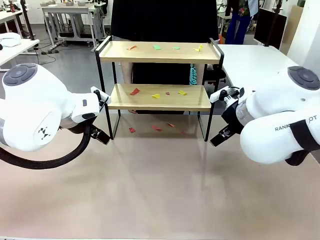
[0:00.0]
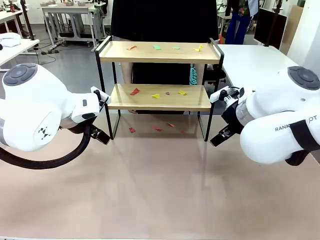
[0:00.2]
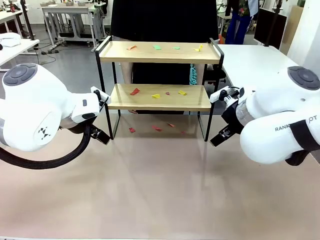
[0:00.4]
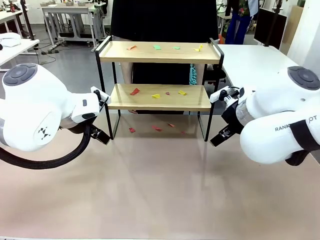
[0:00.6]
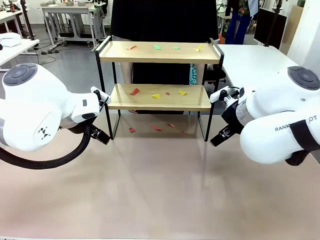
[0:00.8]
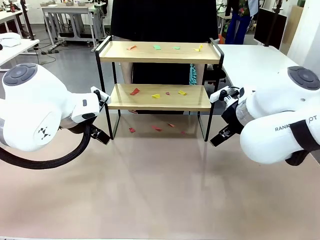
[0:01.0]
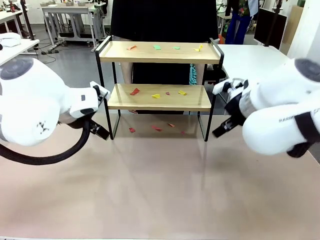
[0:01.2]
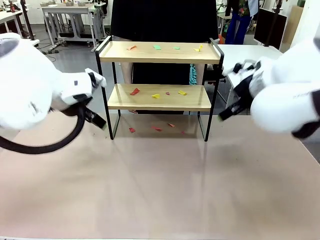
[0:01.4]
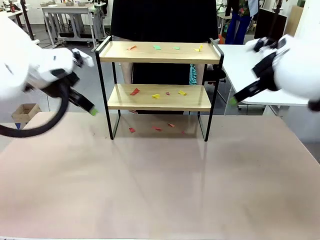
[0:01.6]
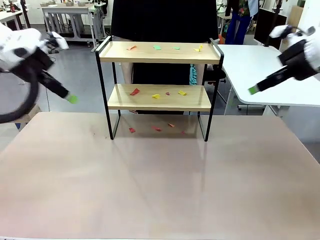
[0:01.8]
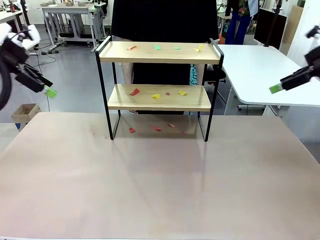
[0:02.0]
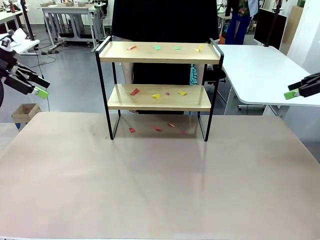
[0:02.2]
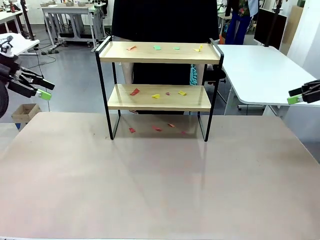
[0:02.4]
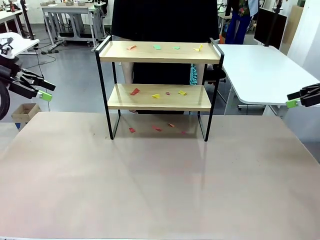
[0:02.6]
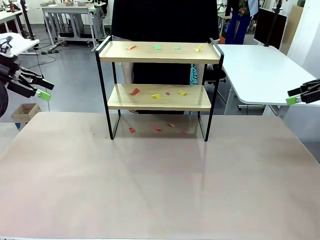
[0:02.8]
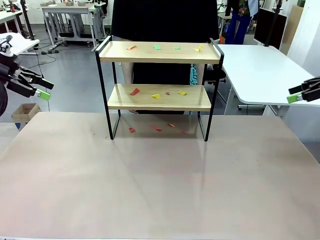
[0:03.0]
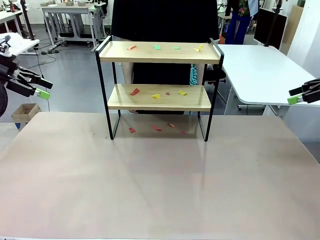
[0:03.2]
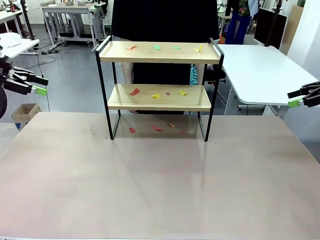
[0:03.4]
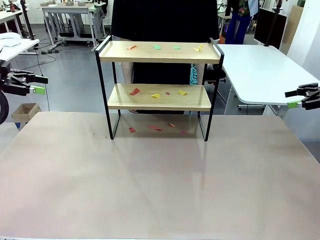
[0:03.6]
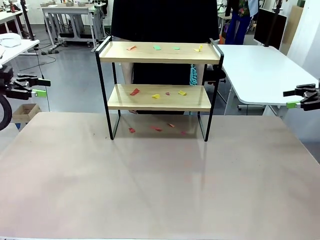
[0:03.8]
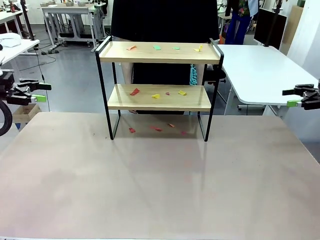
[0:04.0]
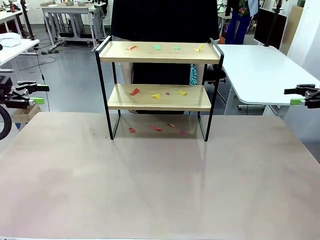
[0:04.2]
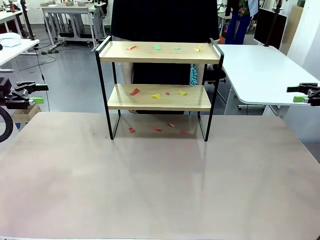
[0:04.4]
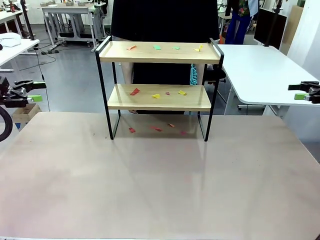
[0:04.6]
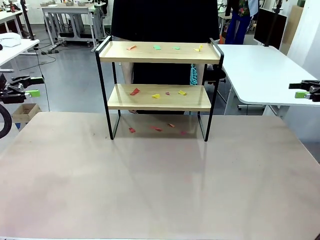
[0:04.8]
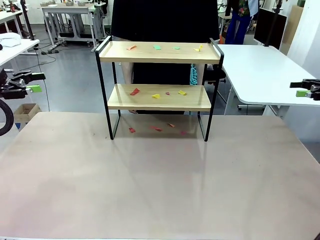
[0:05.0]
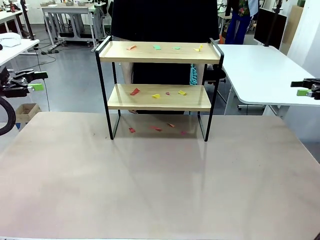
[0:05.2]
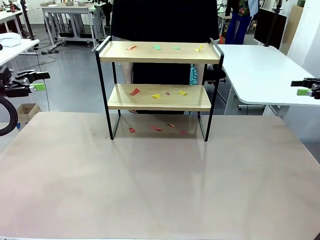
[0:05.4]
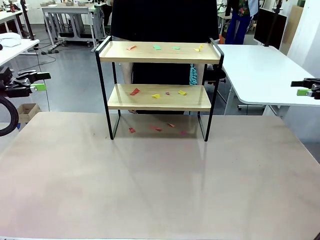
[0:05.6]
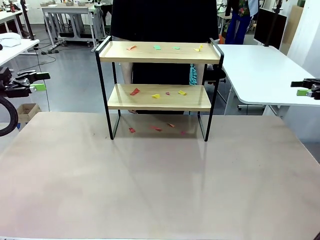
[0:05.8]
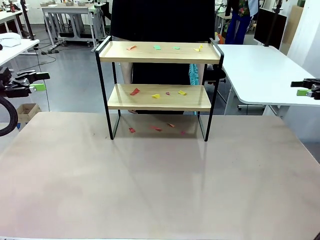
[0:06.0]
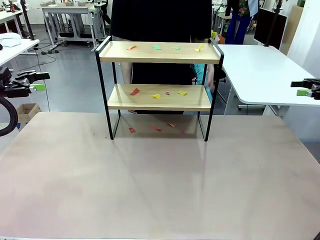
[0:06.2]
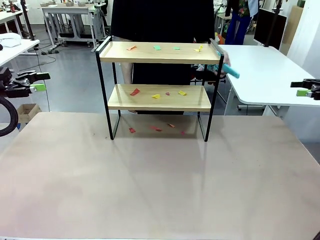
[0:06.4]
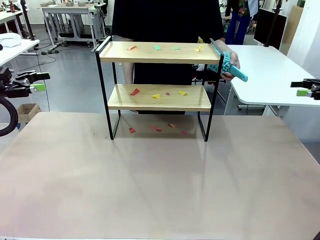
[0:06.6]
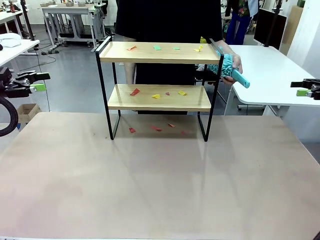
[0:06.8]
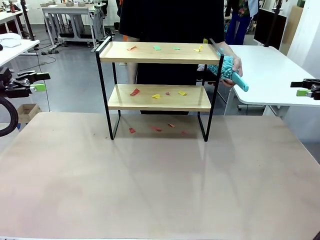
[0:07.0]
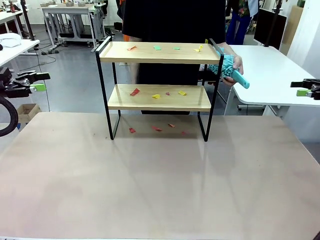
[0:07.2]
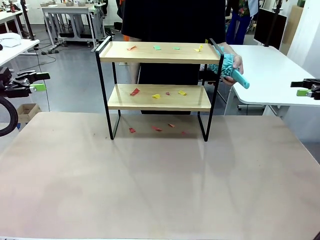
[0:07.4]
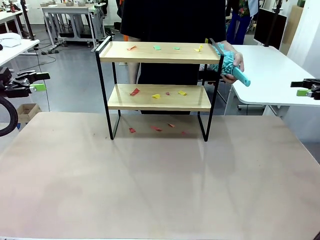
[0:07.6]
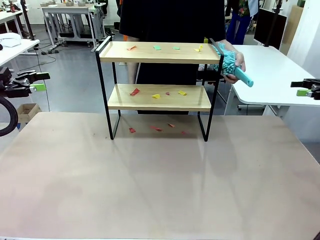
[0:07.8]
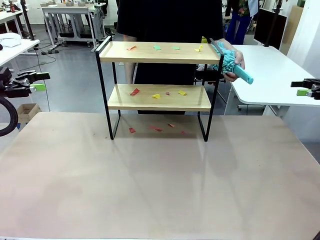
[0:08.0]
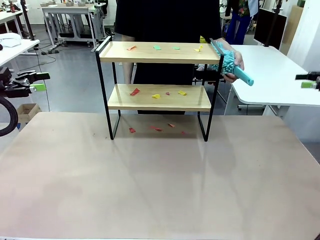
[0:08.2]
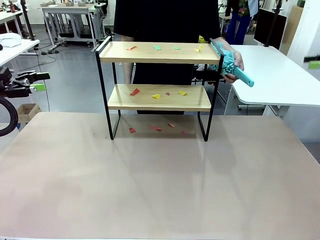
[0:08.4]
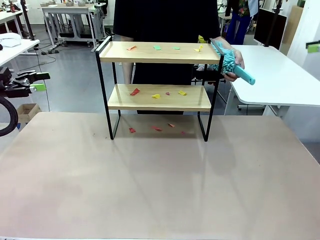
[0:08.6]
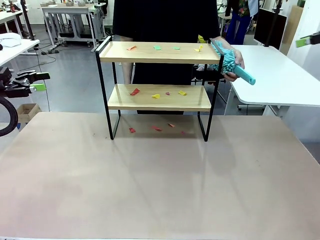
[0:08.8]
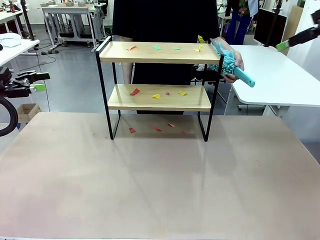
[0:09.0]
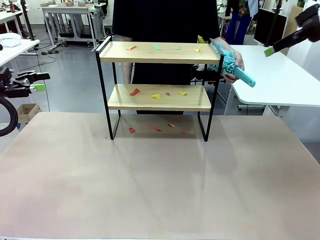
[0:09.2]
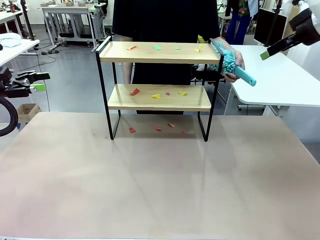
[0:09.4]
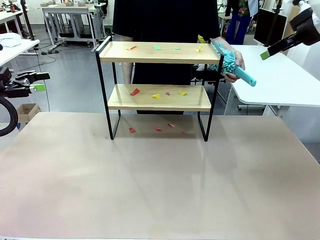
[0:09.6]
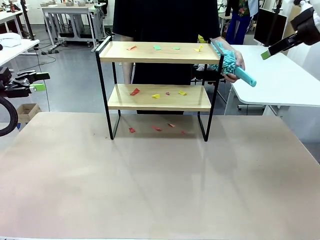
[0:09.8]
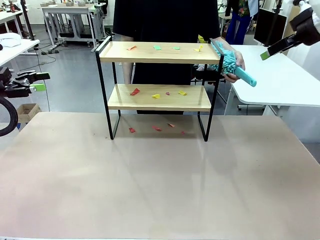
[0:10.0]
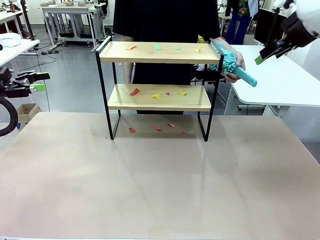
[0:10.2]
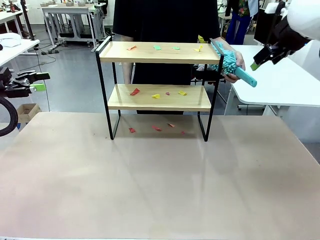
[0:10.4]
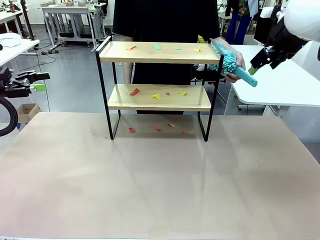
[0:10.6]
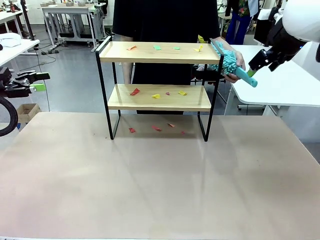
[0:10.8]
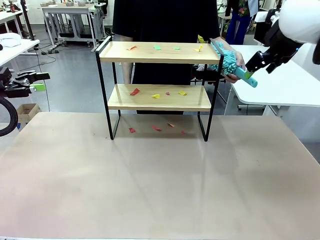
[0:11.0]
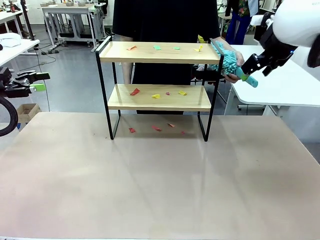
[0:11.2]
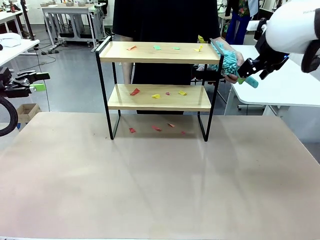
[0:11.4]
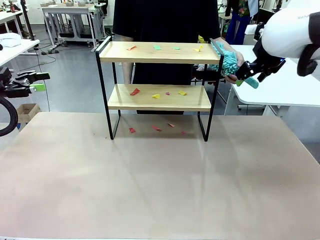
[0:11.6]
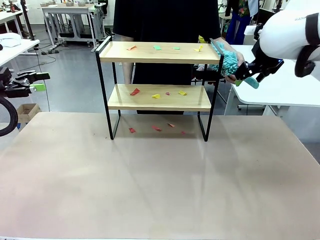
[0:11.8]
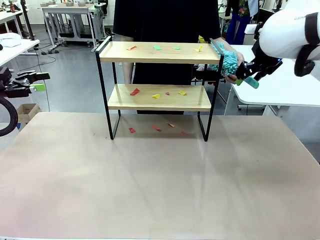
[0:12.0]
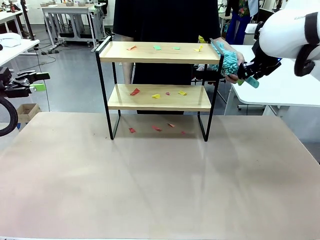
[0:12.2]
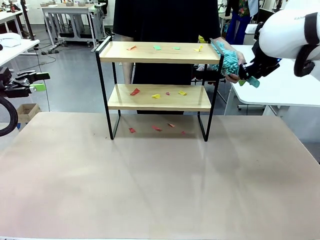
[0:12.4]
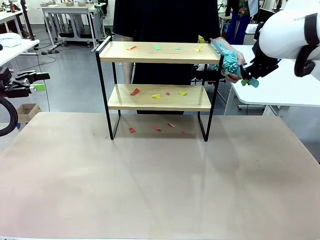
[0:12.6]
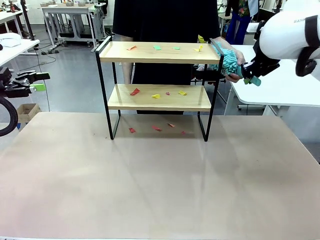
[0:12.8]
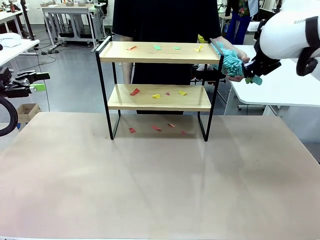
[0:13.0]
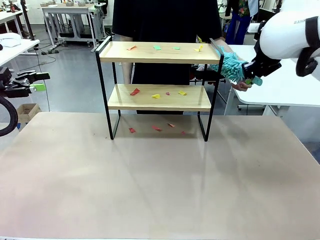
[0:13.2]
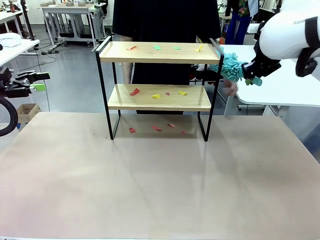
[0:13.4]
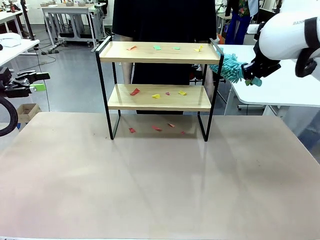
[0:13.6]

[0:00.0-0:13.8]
Task: Clean the shelf.
Robot: Pick up the Duster handed by the human.
Person: Hand the Duster to the robot.
